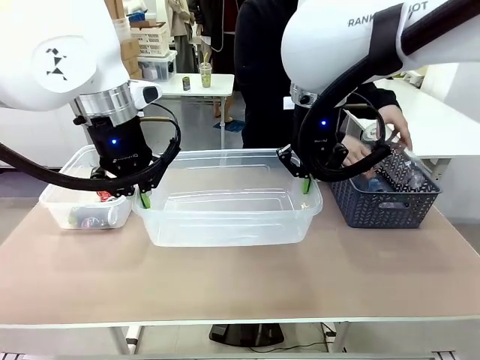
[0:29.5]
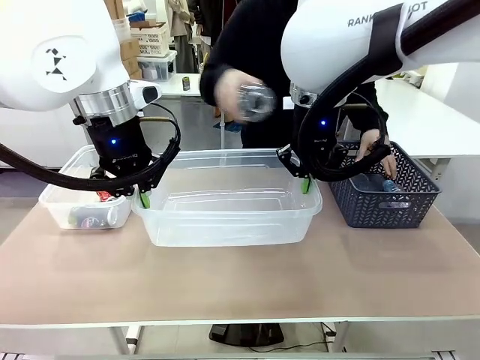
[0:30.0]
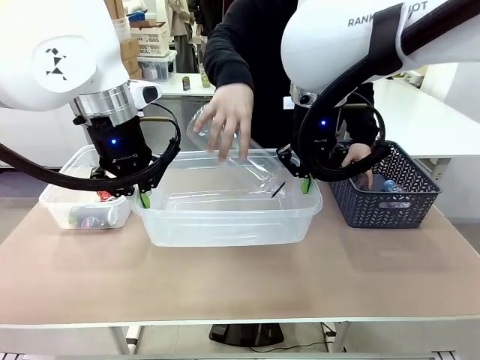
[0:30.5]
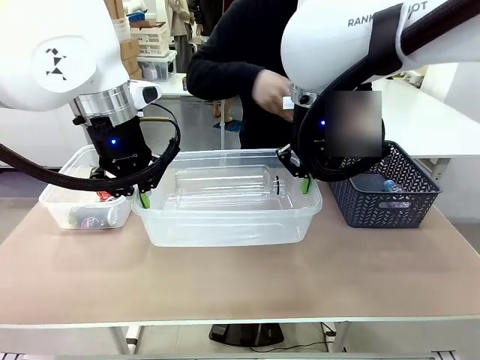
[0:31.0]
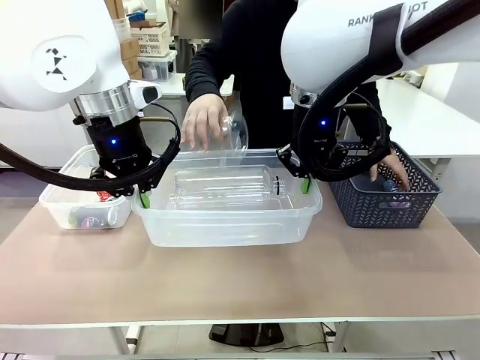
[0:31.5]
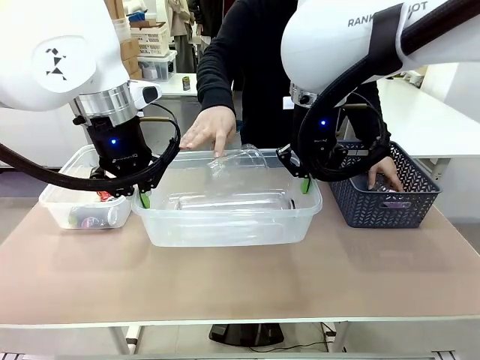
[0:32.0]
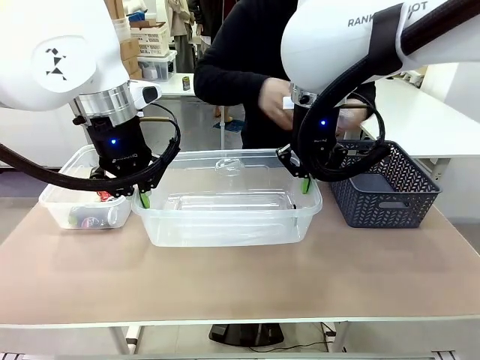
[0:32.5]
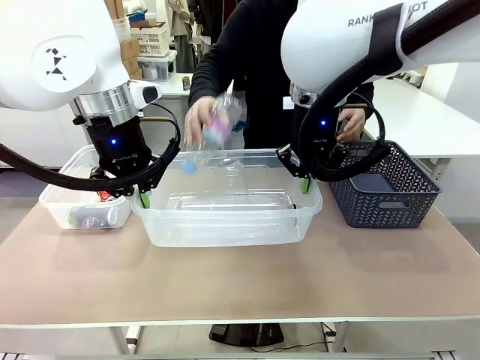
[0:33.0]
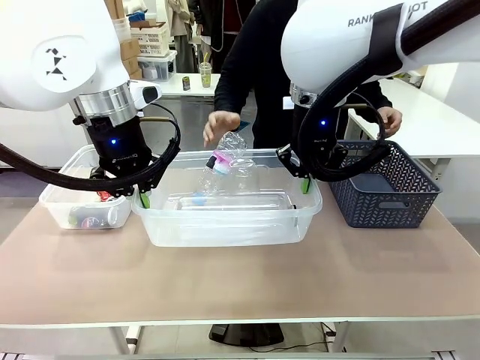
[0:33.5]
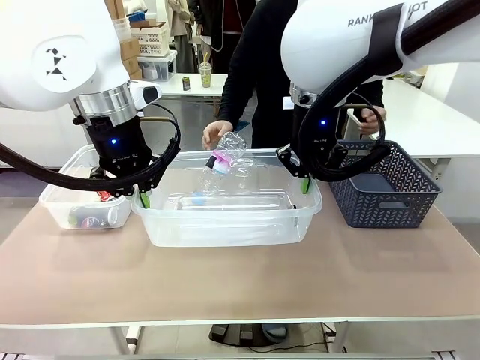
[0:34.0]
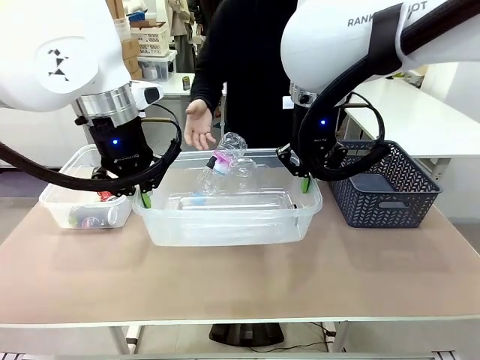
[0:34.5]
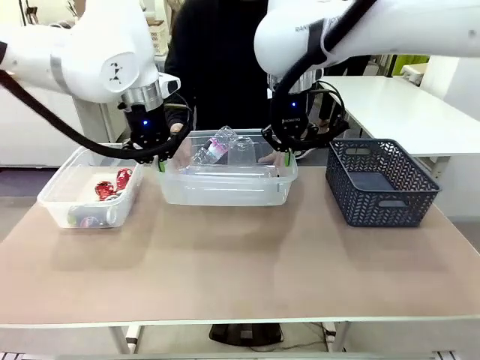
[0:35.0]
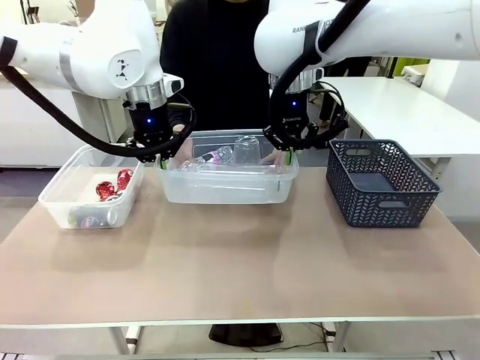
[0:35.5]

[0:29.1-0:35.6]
Robot: Offer the picked Organizing box to the human.

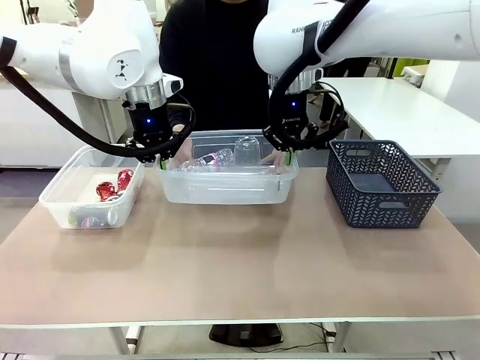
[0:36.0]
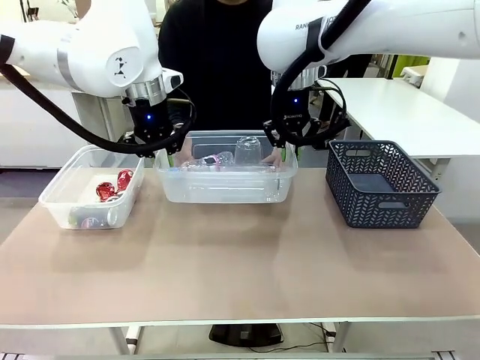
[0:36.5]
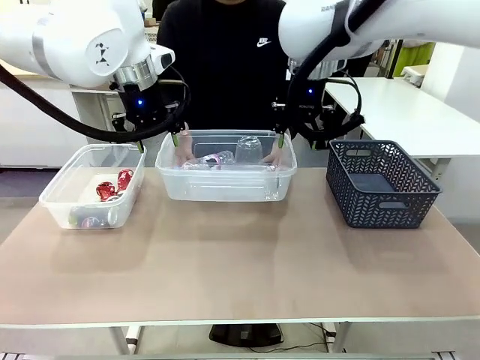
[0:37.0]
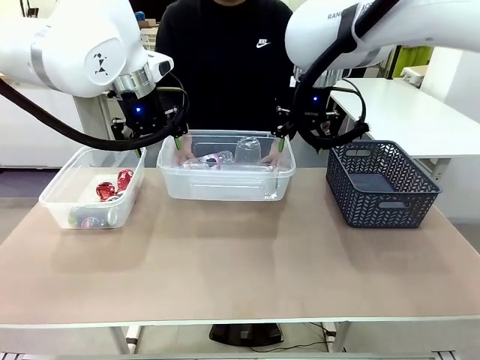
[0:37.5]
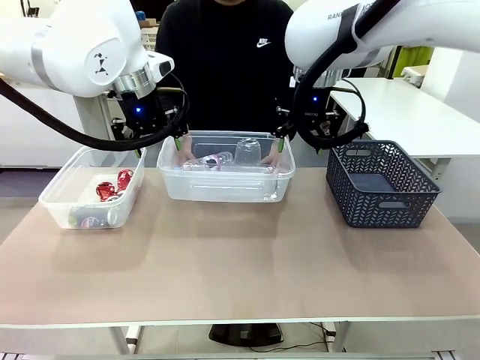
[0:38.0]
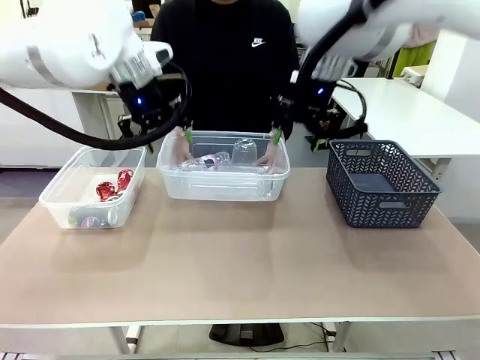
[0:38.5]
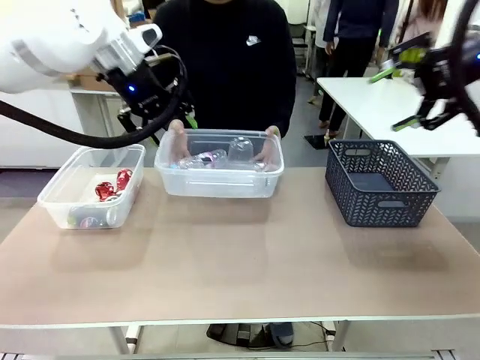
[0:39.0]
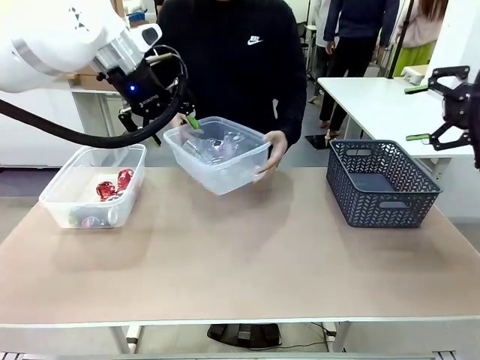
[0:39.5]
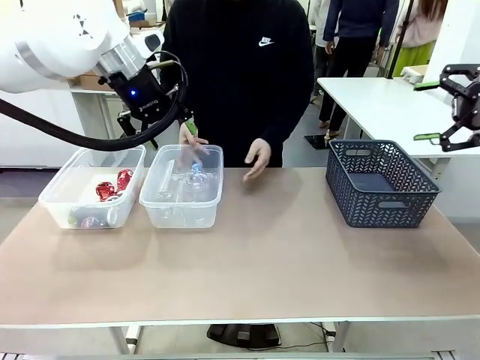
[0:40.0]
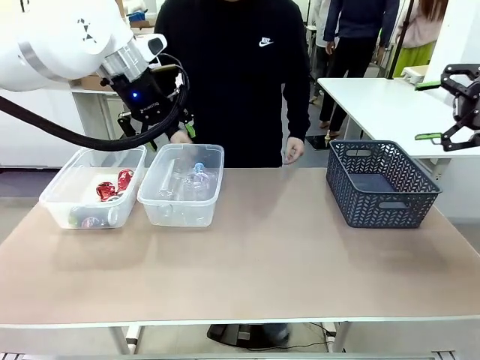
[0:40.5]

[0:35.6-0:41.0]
Robot: Release the Organizing box you were holding.
Person: Pick up the organizing box extended by the robot. Place the organizing box to the left of the sorting box containing the can waste.

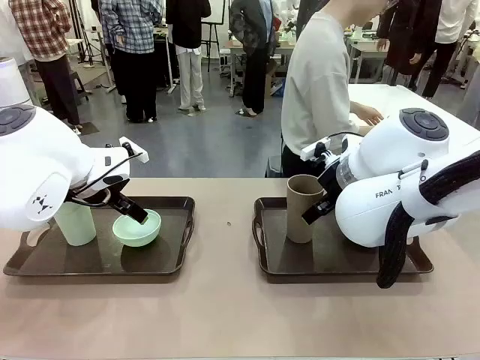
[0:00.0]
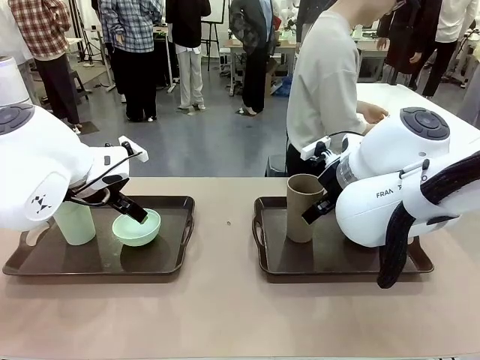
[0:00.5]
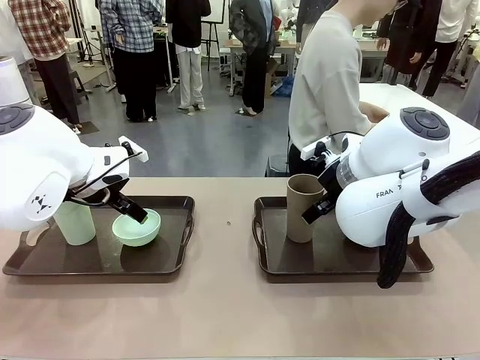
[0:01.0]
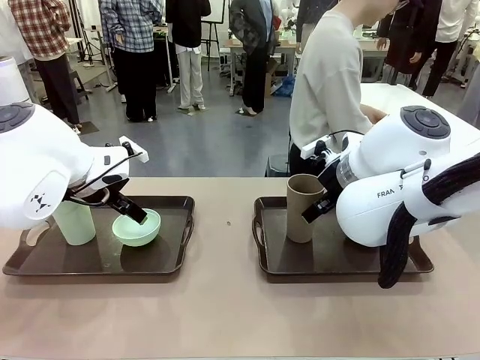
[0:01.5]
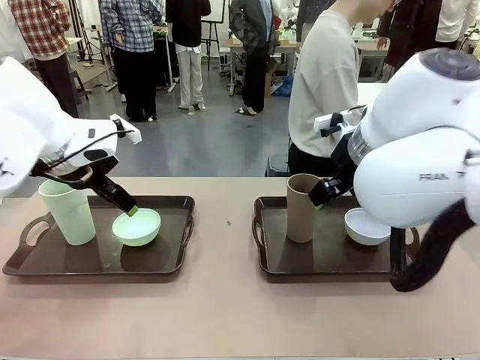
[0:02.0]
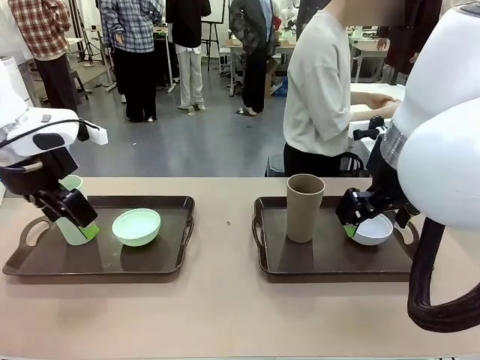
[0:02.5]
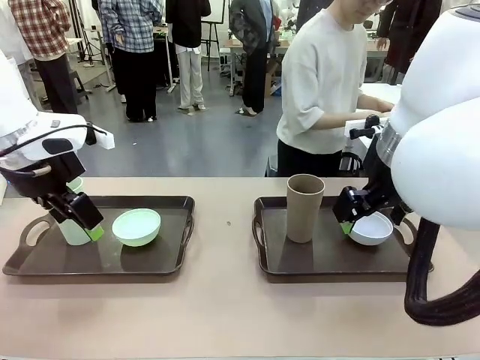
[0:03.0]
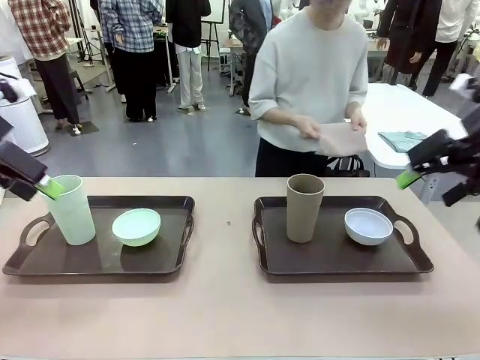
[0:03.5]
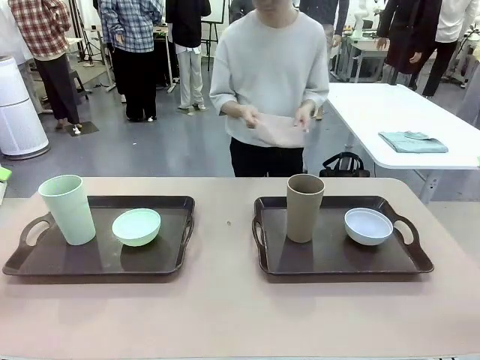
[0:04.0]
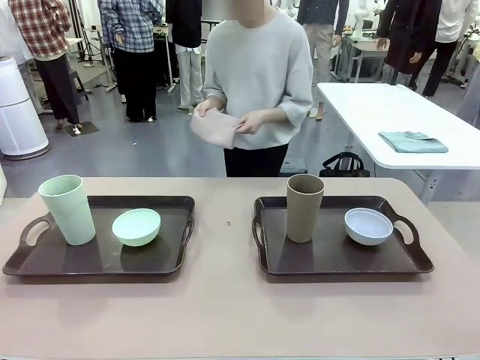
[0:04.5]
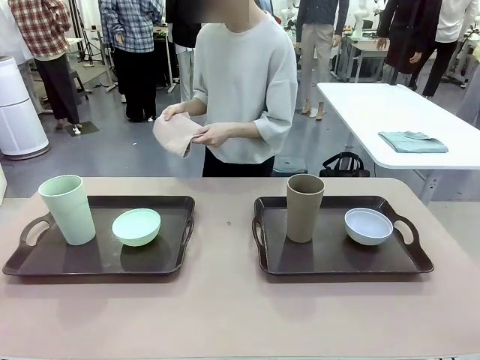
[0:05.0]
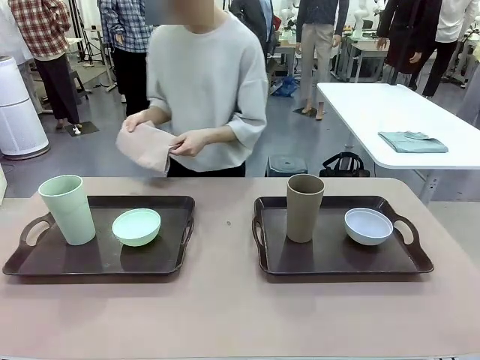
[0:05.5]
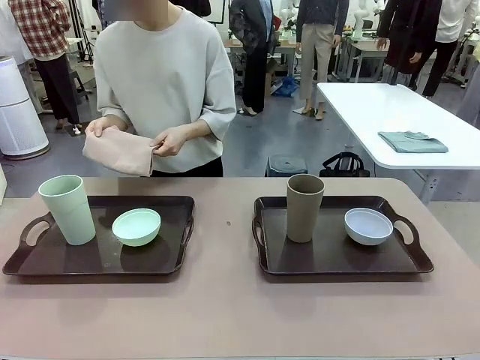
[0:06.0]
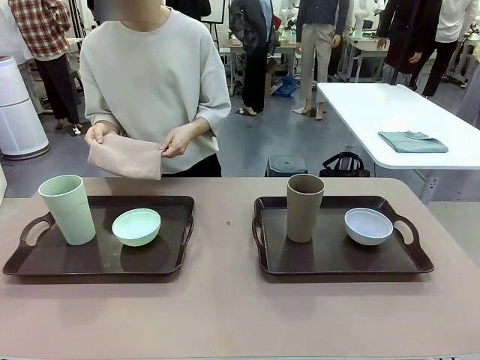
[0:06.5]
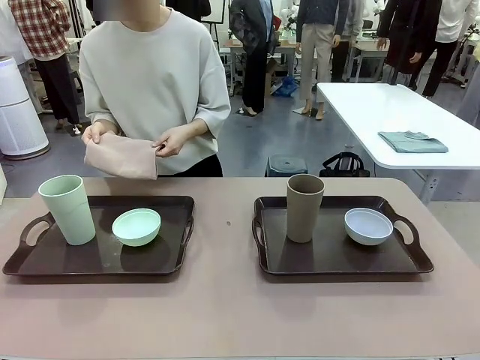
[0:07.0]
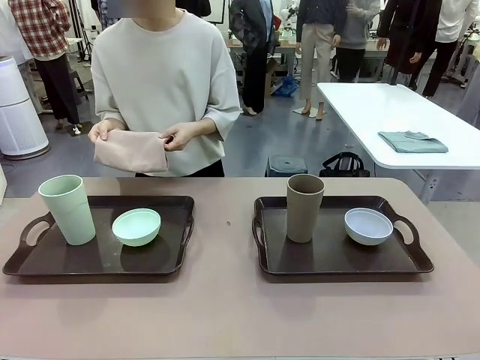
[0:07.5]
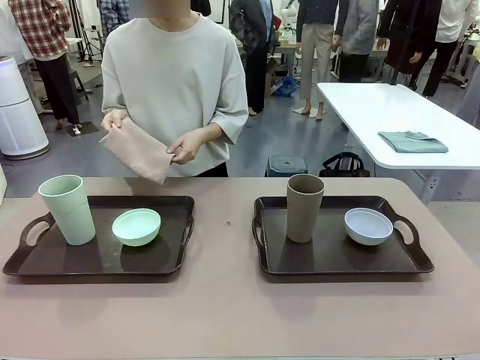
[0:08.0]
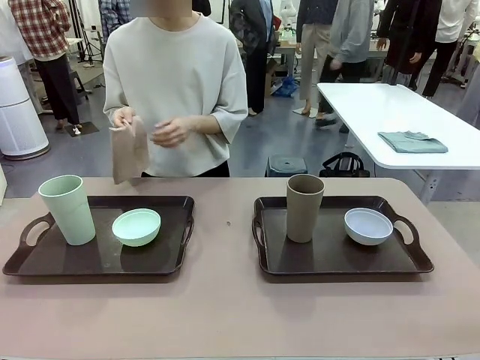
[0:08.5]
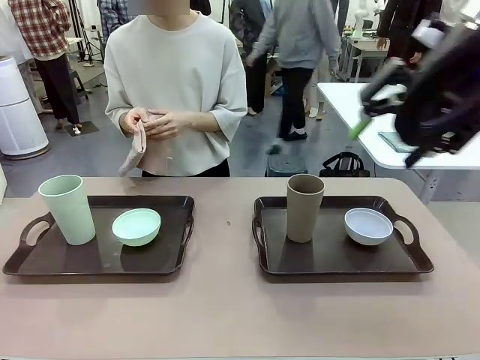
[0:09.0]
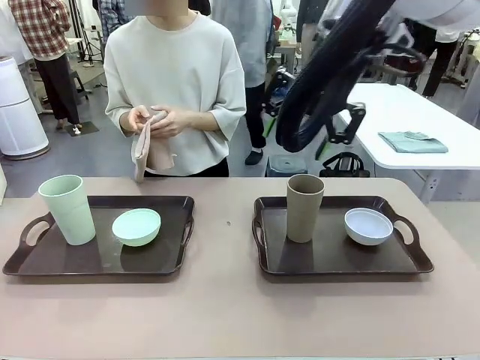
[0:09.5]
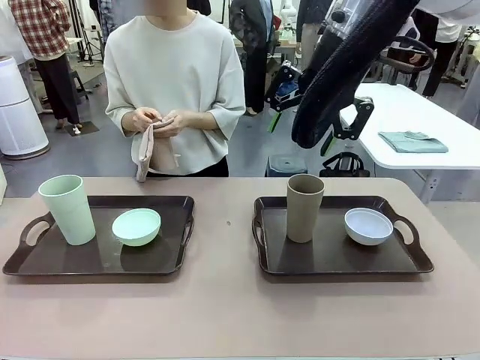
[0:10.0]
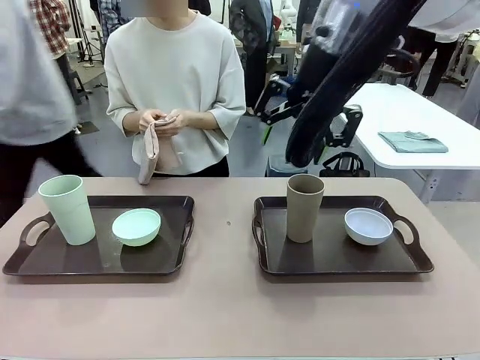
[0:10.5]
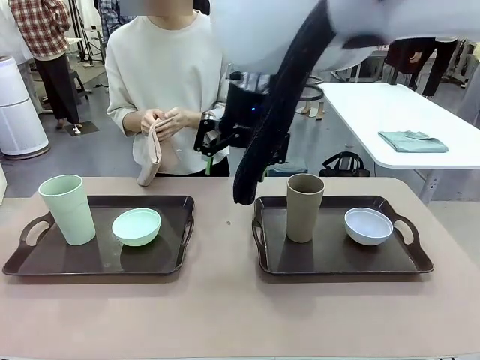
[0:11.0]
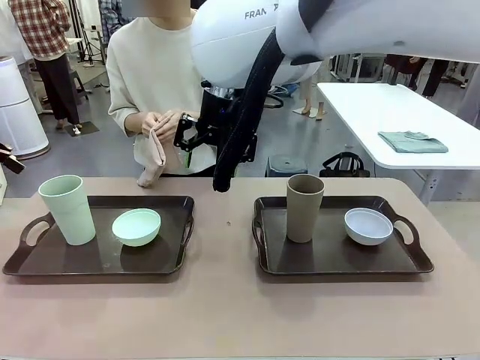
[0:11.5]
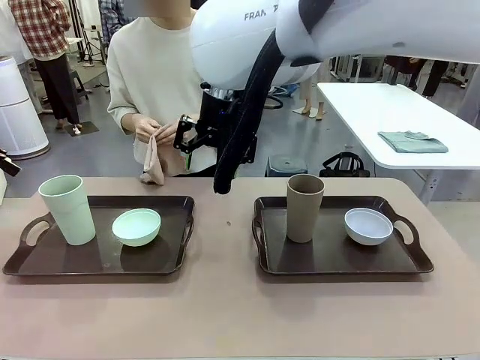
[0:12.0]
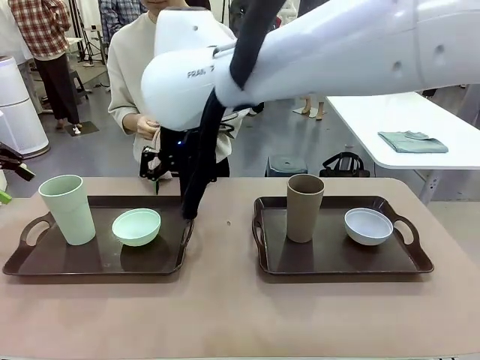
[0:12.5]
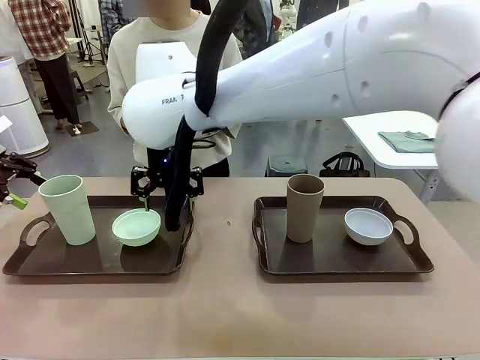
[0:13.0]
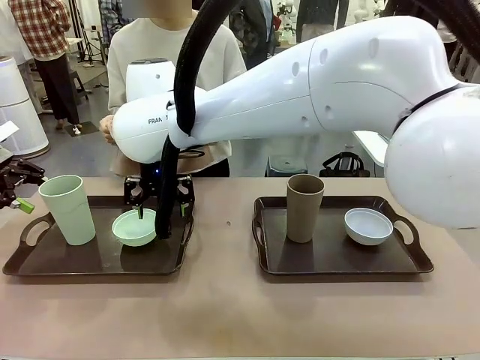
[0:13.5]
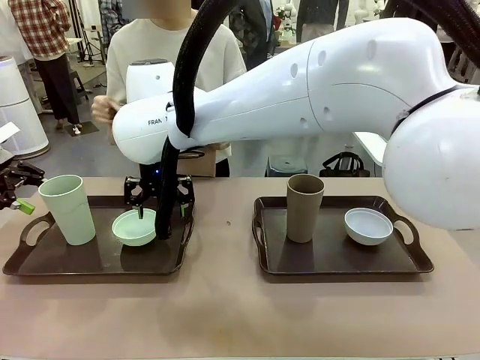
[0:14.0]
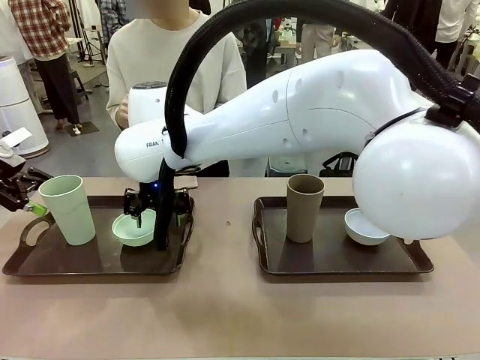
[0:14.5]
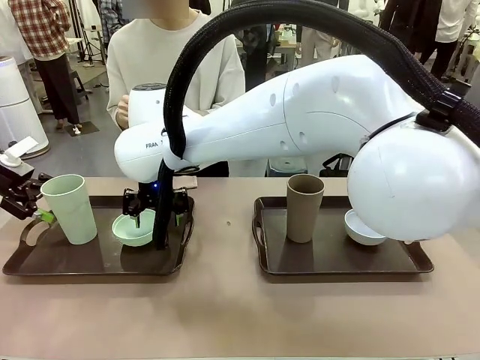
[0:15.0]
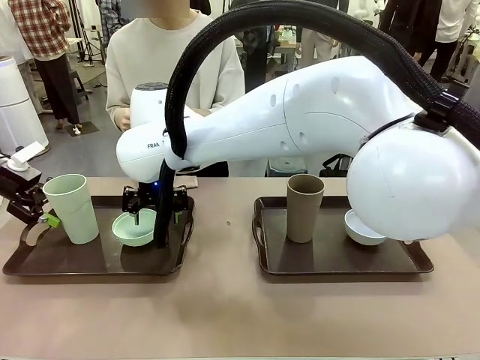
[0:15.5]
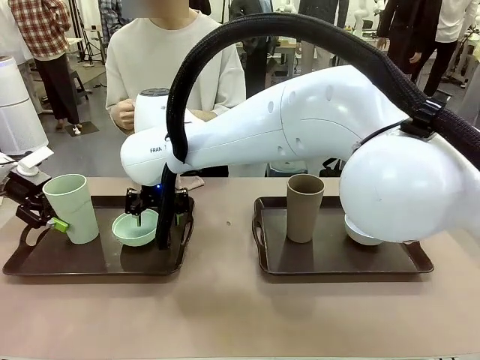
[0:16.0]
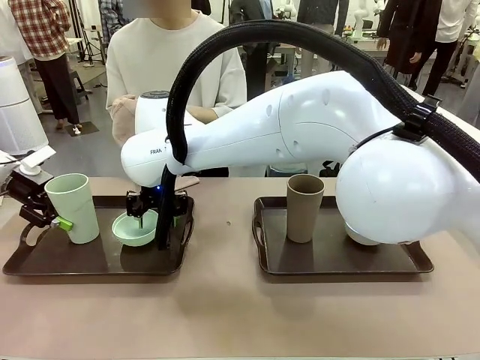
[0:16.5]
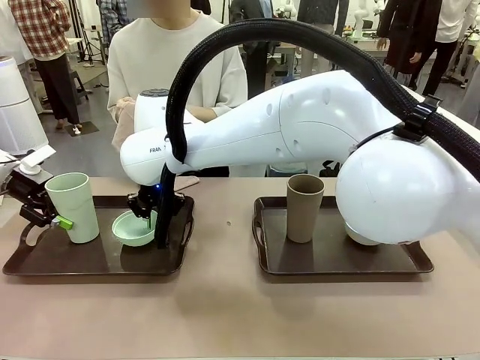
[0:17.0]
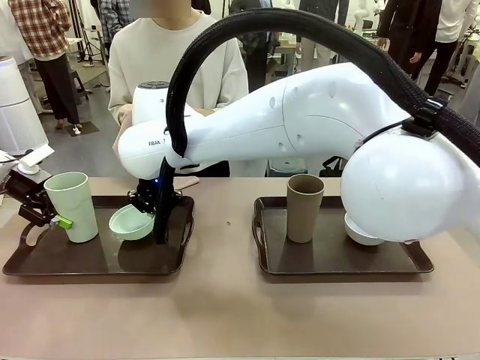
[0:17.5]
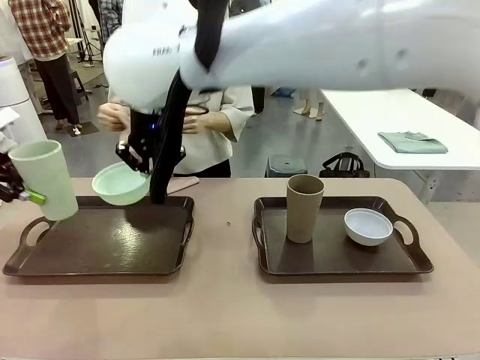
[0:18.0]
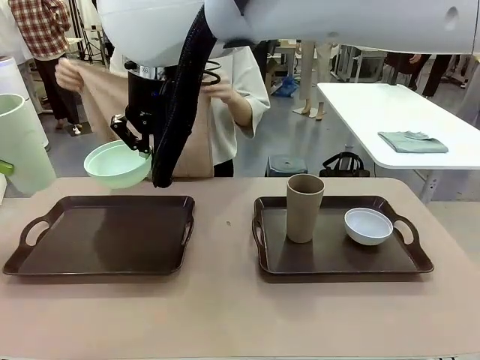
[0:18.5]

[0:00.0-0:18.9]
Robot: Pick up the Picnic Bowl and Reusable plastic cup from the Handle tray in front of the human's position and hold them in the air.
Person: The human picks up the top napkin from the stack on the human table and walks to the robot table to stand in front of one of the two trays. When the robot lifts the bowl and the cup, the human unfolds the napkin and lays the napkin flat on the tray.
